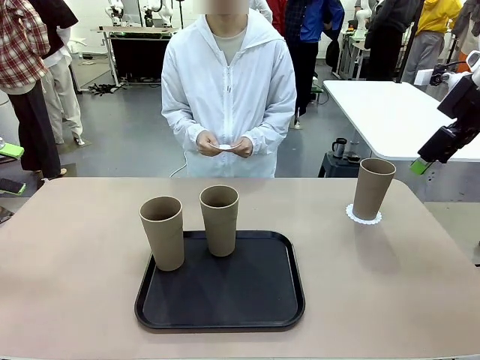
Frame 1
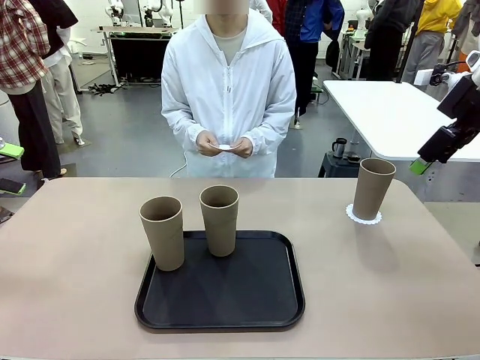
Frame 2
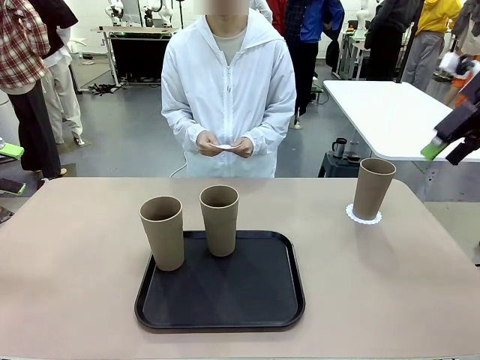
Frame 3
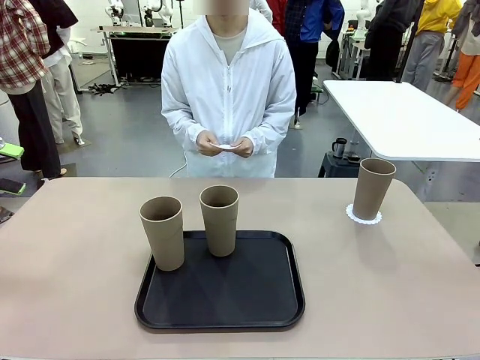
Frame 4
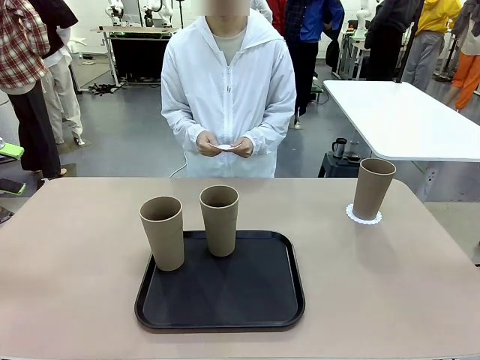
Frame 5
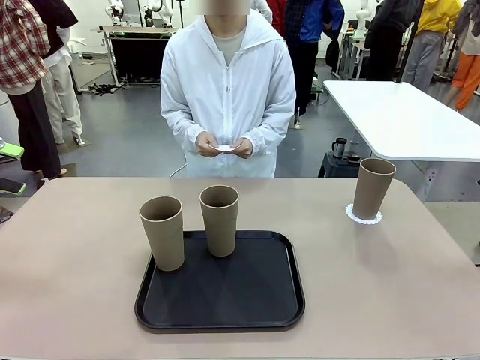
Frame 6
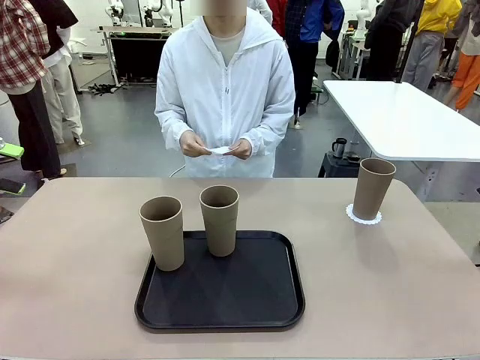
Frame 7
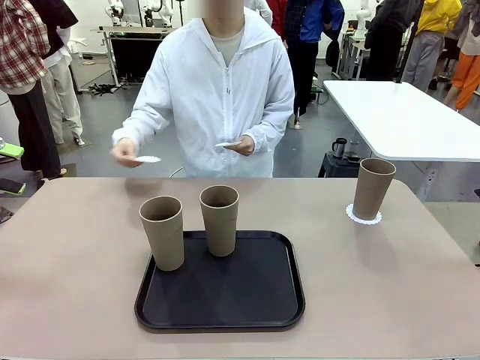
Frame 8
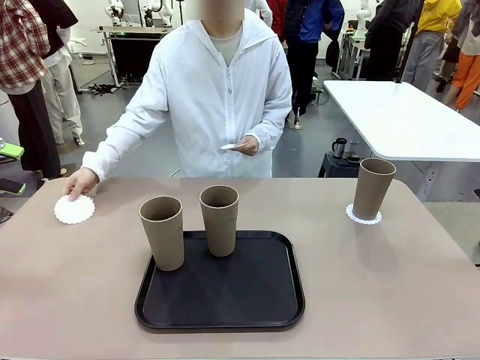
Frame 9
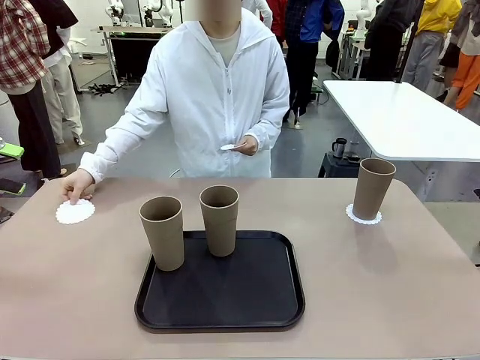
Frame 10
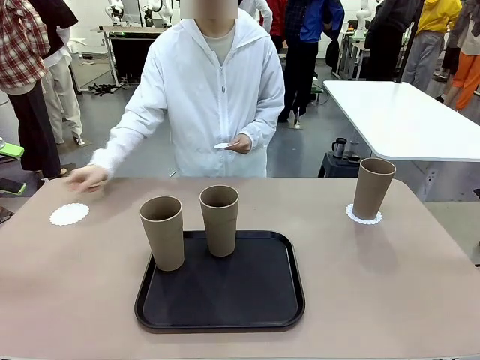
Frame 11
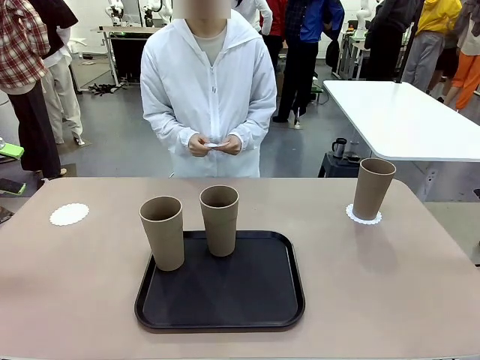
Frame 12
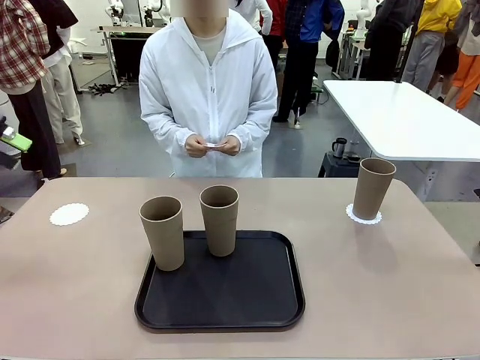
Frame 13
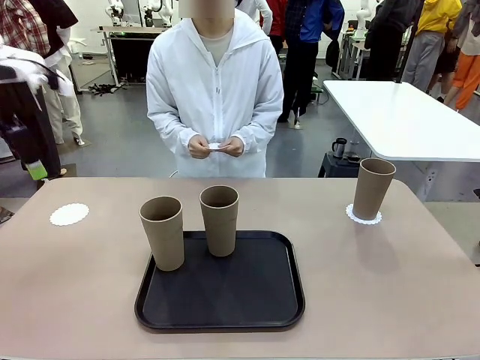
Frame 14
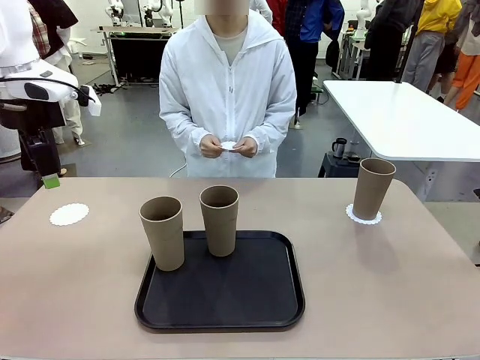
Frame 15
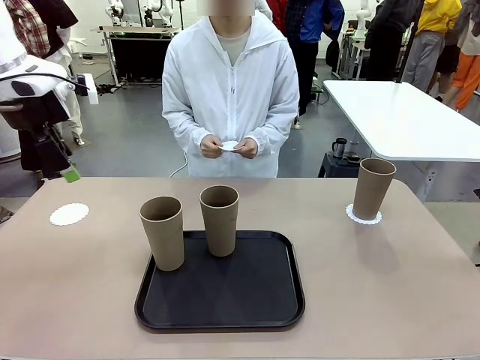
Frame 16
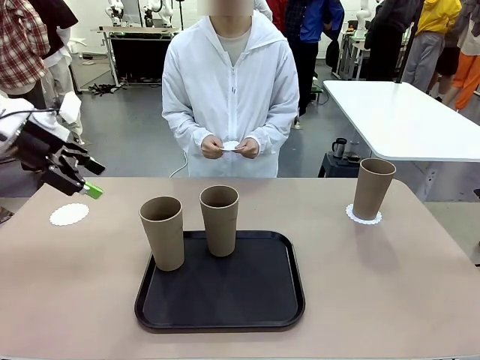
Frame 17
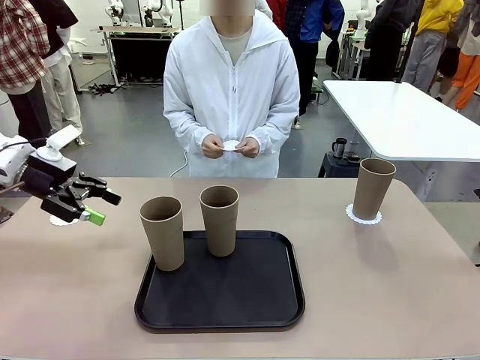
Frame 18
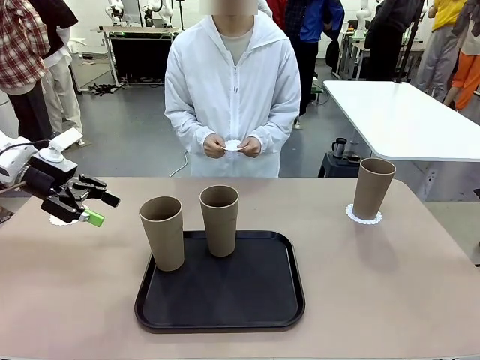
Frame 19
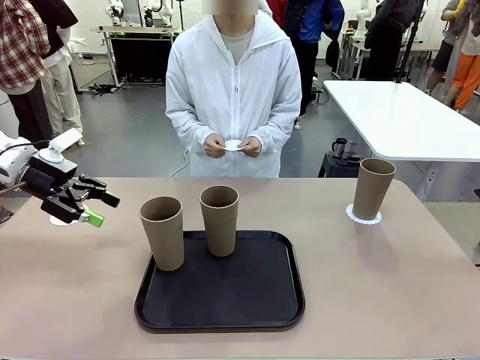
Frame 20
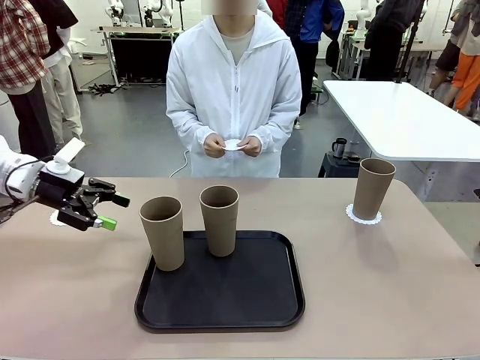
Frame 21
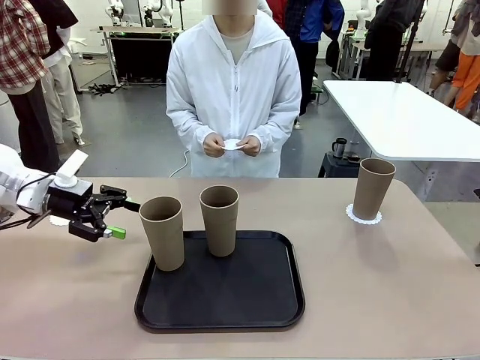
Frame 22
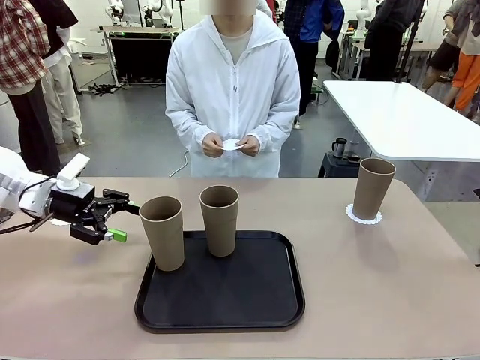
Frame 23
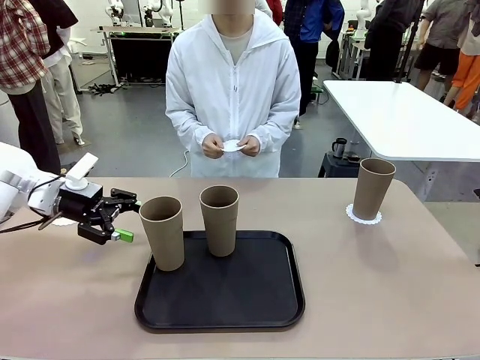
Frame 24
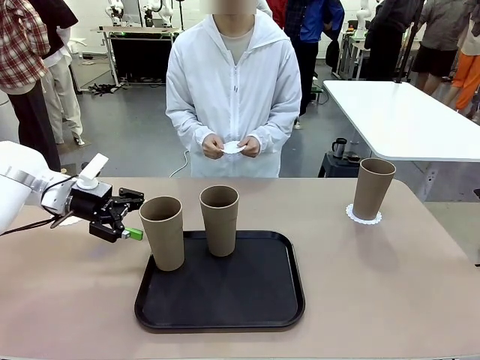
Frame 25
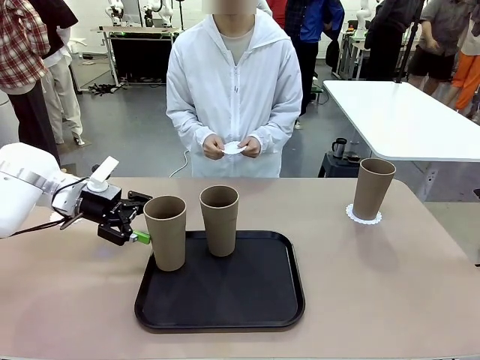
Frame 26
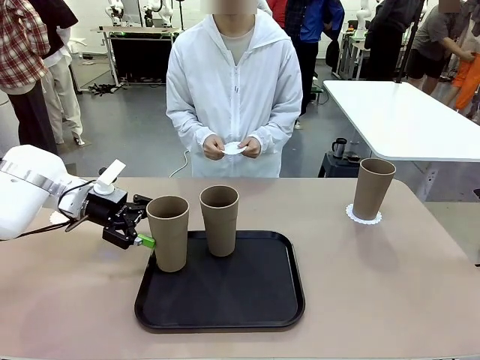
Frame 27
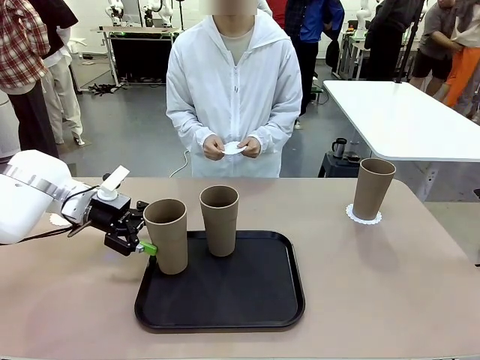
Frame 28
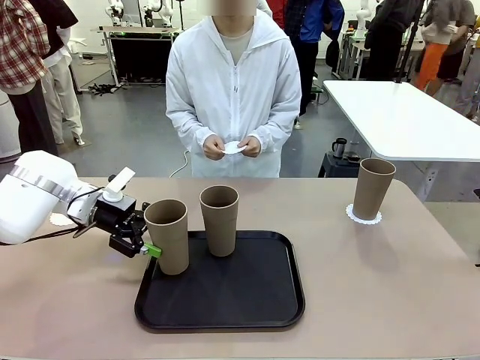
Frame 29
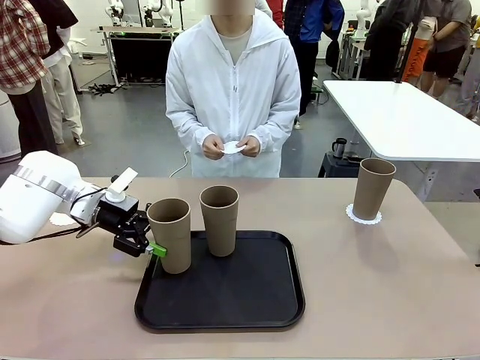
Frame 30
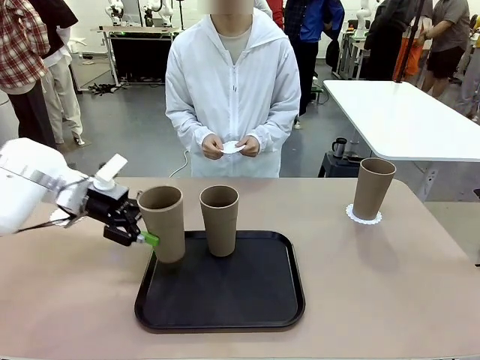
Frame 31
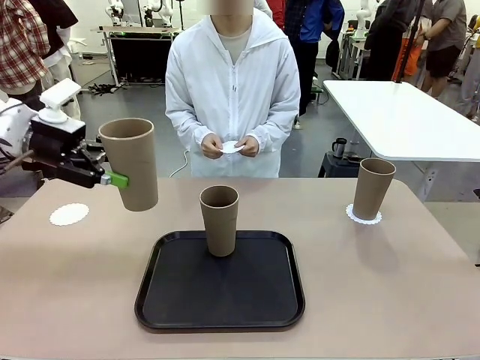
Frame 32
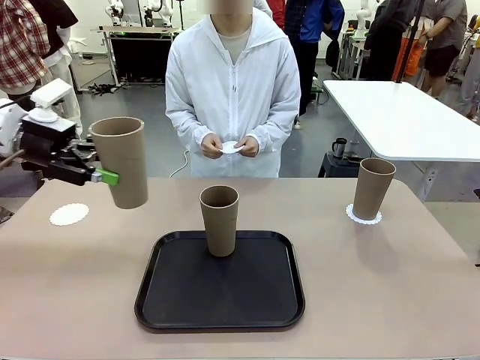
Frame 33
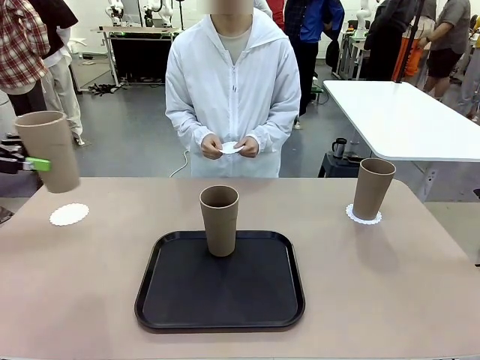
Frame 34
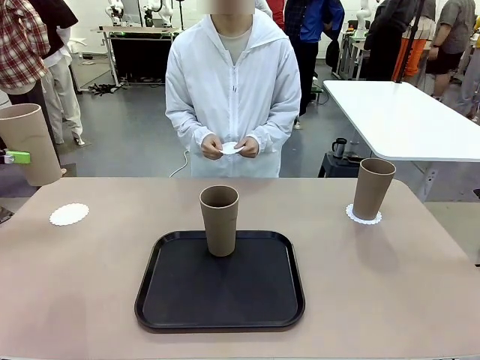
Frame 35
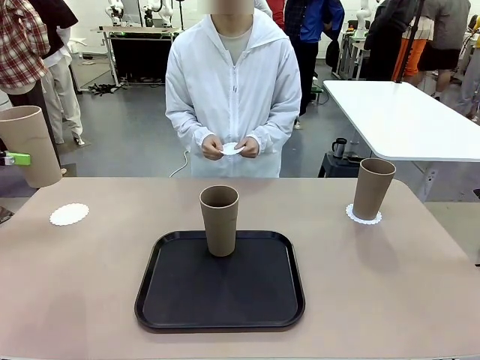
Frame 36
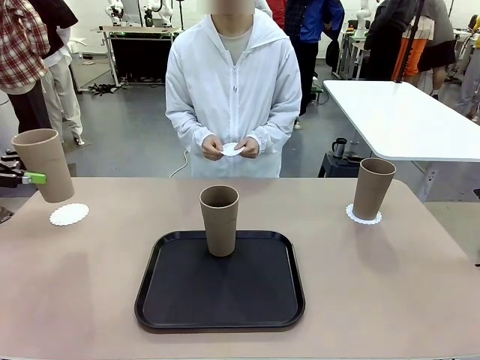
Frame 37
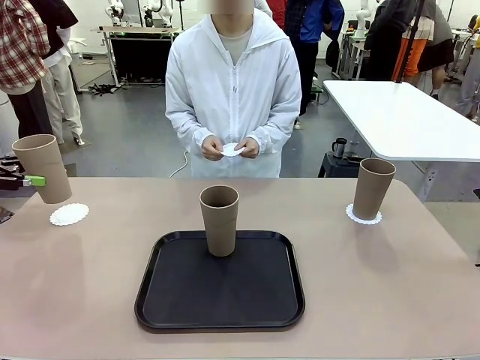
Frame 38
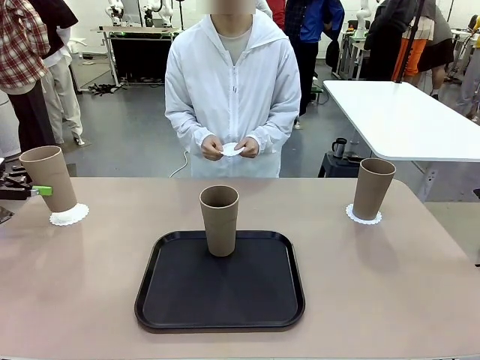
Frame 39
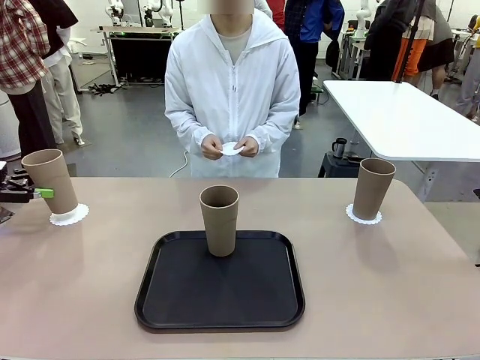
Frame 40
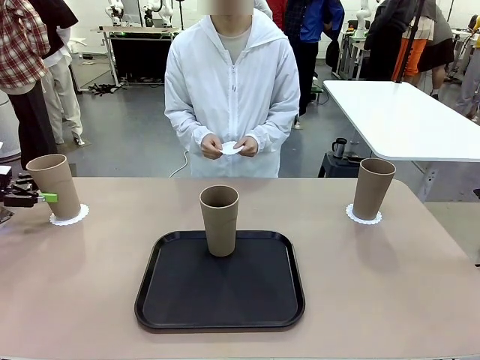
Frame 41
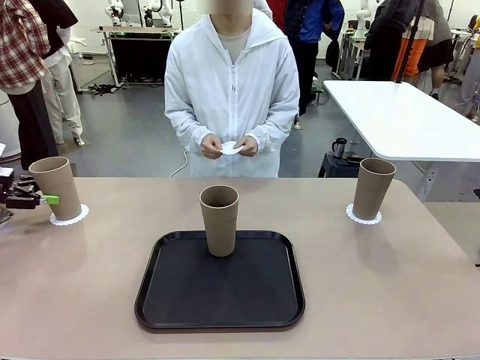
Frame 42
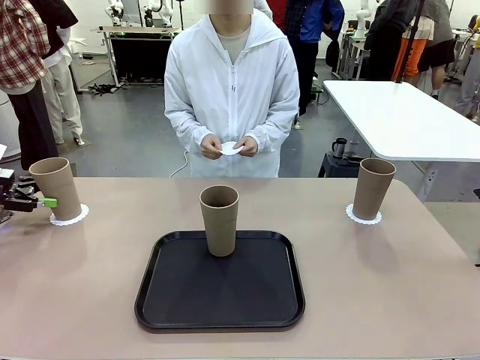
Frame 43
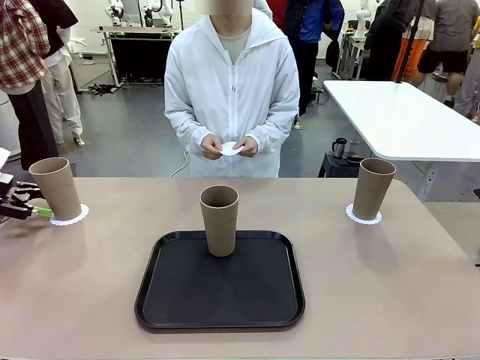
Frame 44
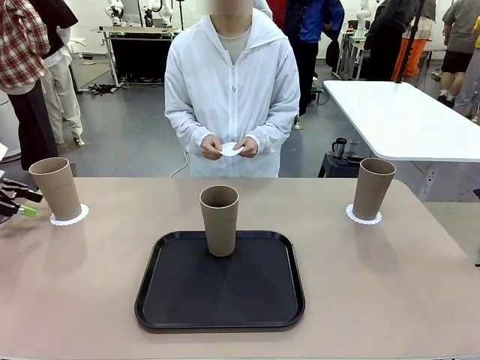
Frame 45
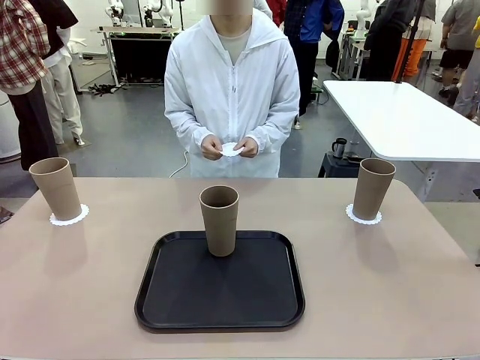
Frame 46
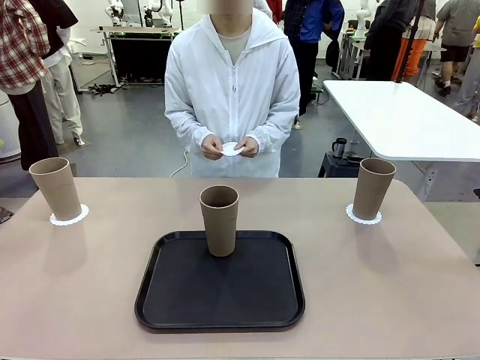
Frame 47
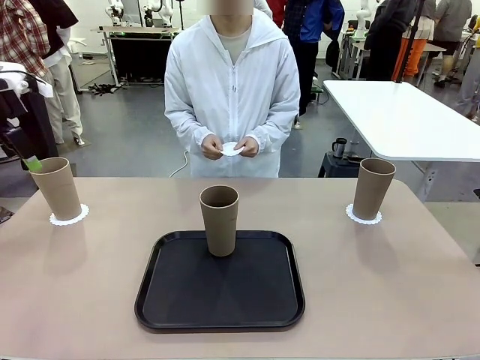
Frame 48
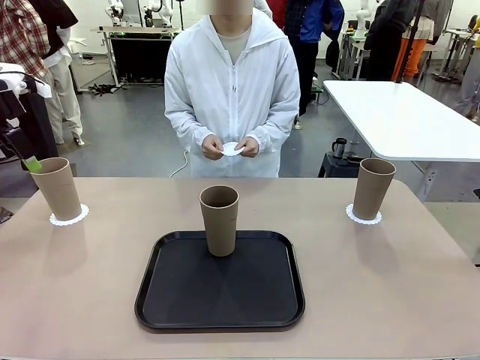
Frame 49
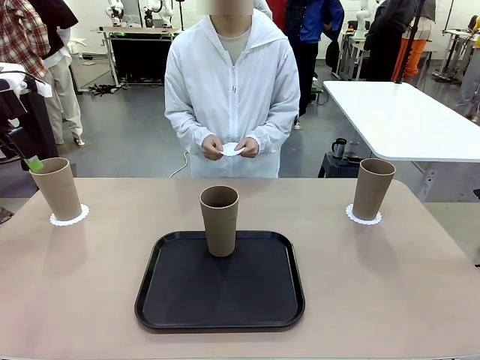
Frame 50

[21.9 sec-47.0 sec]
Task: Place coasters on the table and set cups on them.
Robot: Take one Reusable plastic cup from the Flat Tray and place it on a coaster set by the human.
